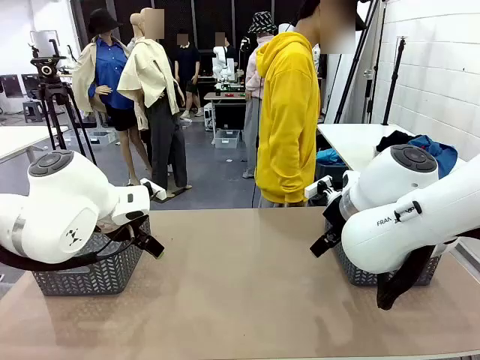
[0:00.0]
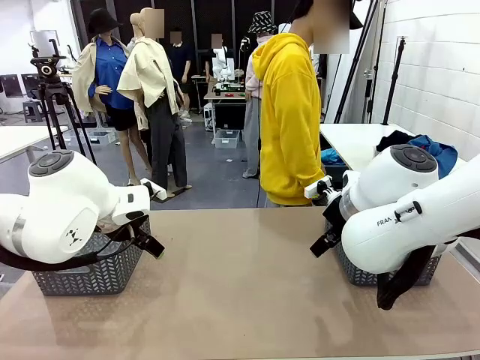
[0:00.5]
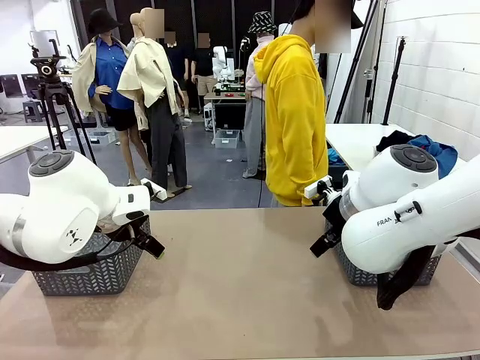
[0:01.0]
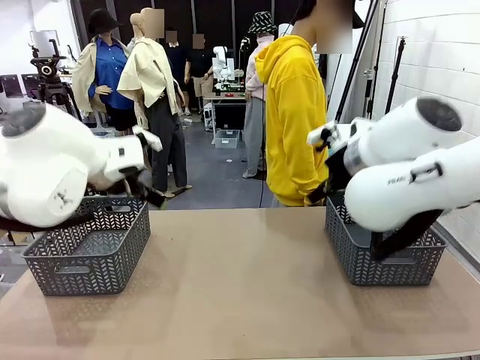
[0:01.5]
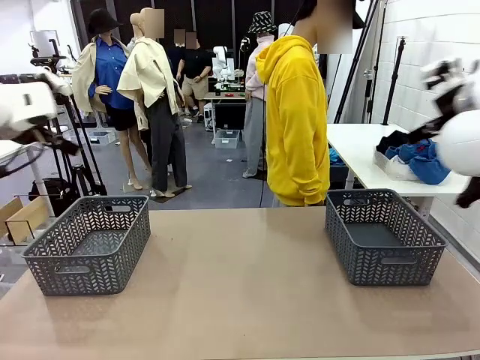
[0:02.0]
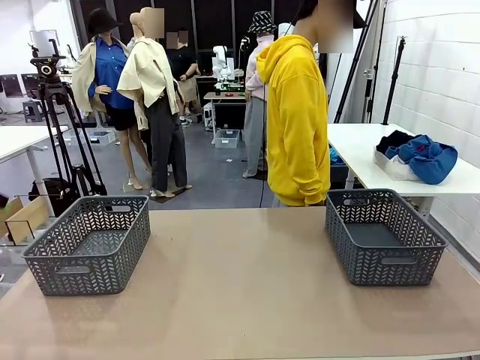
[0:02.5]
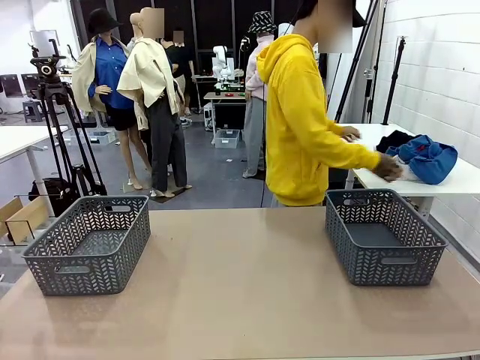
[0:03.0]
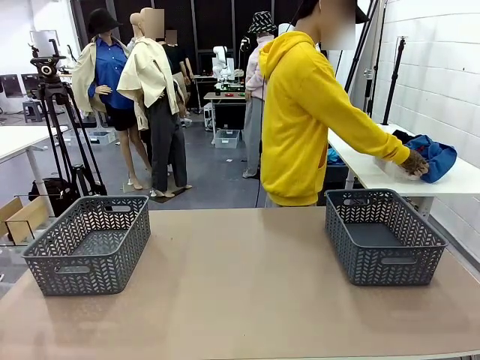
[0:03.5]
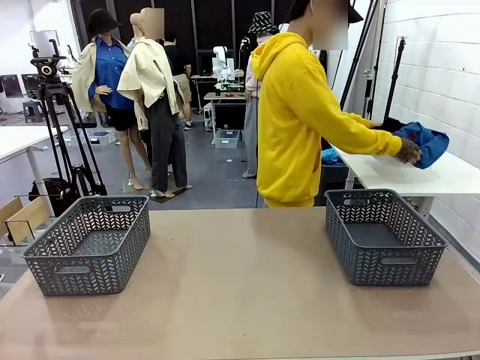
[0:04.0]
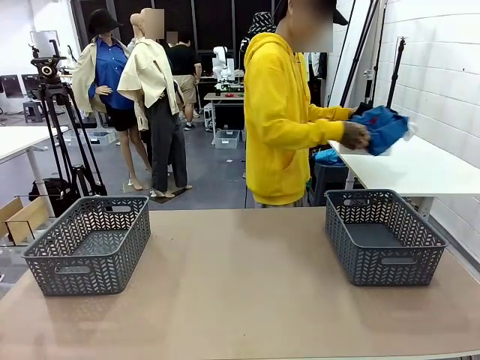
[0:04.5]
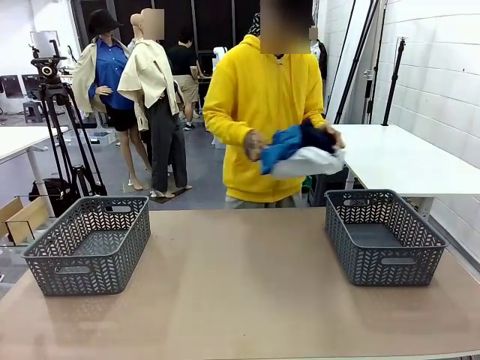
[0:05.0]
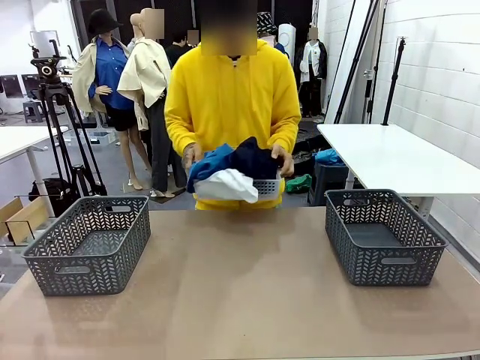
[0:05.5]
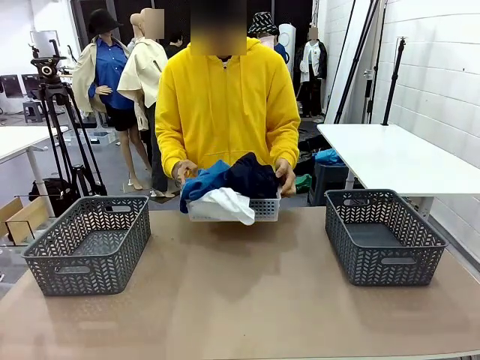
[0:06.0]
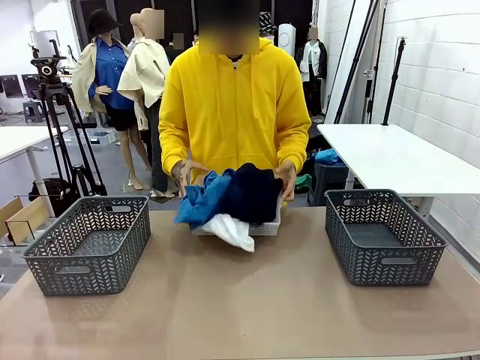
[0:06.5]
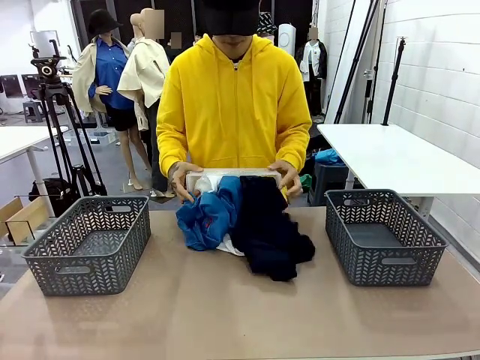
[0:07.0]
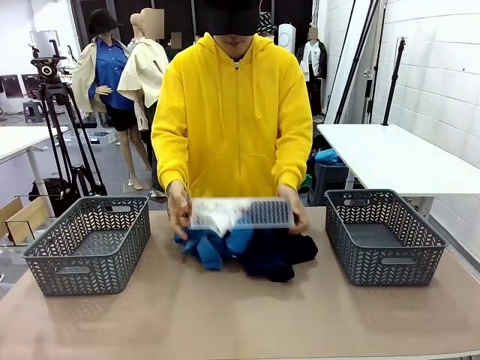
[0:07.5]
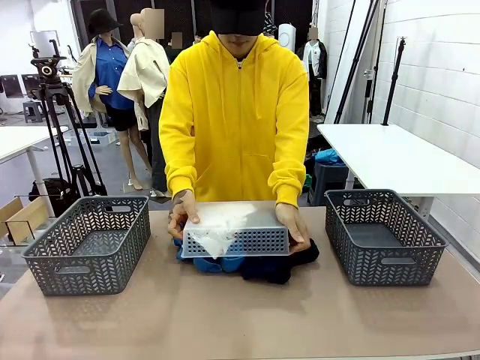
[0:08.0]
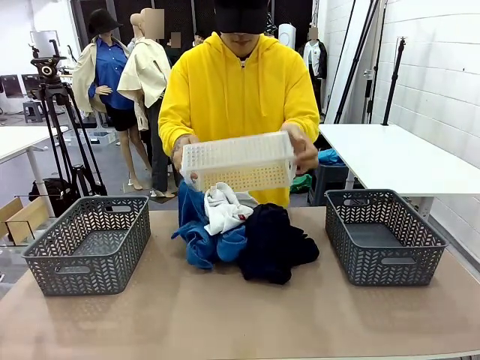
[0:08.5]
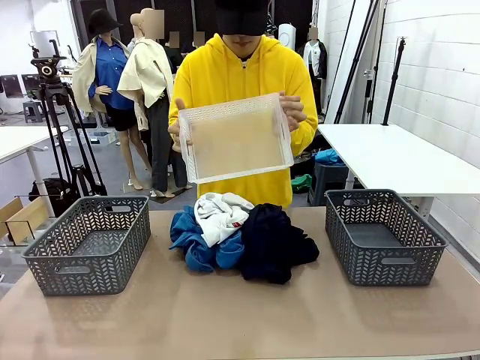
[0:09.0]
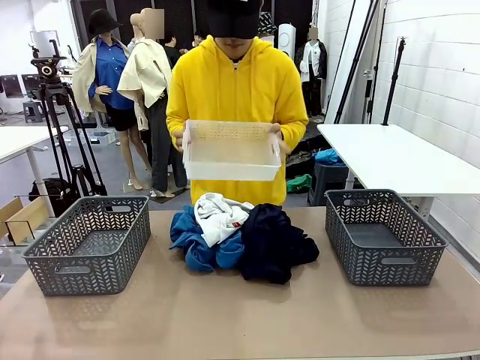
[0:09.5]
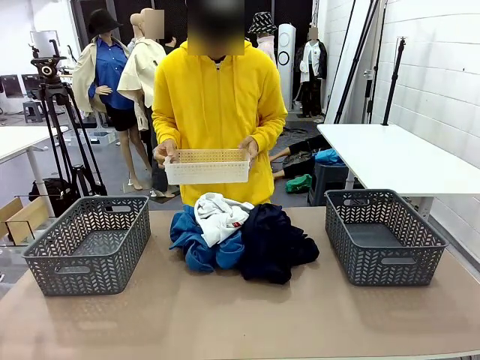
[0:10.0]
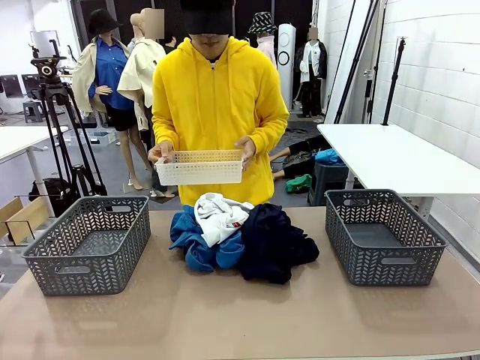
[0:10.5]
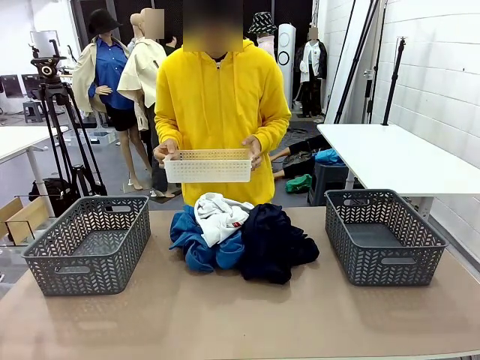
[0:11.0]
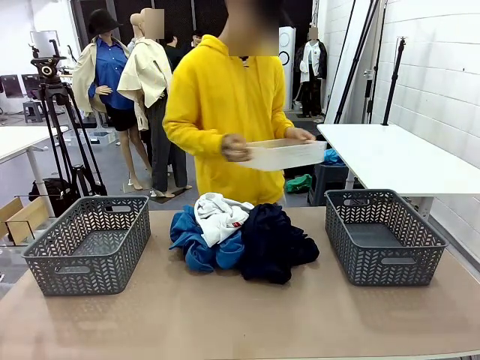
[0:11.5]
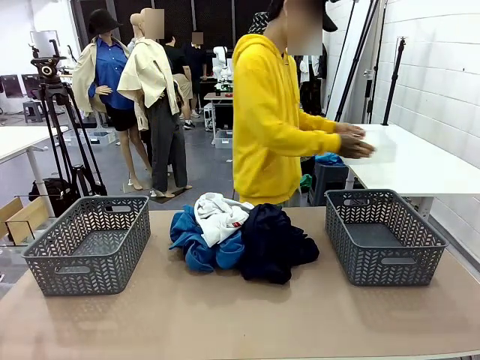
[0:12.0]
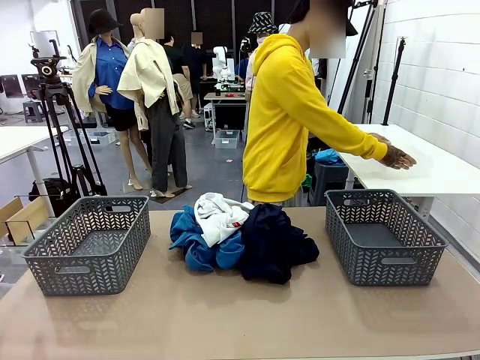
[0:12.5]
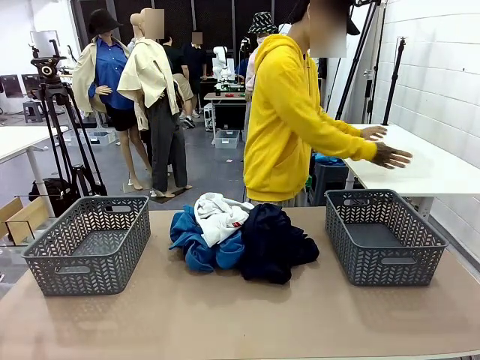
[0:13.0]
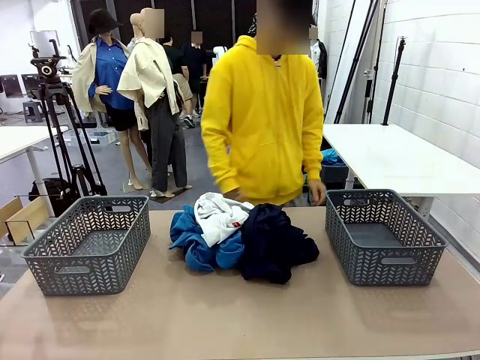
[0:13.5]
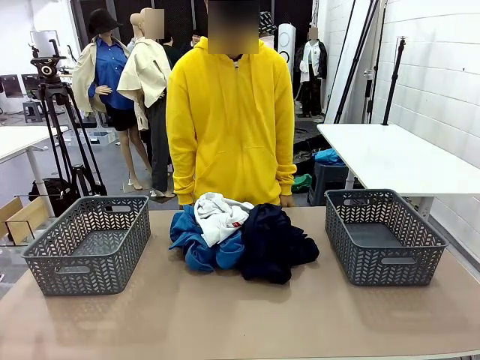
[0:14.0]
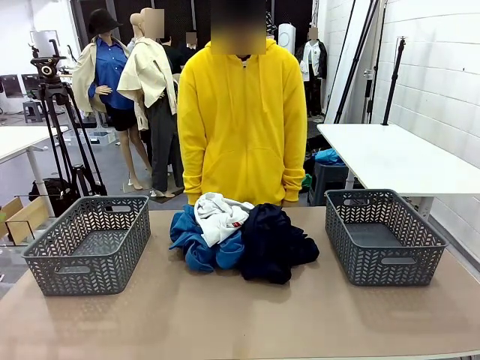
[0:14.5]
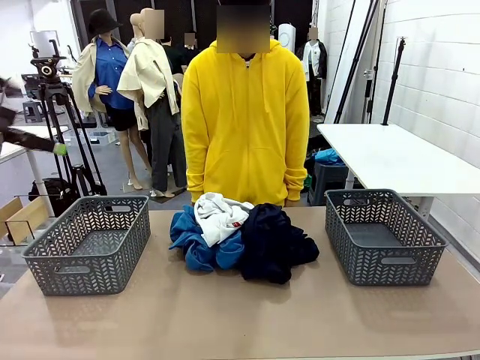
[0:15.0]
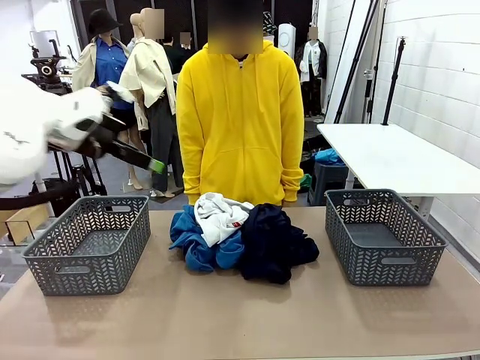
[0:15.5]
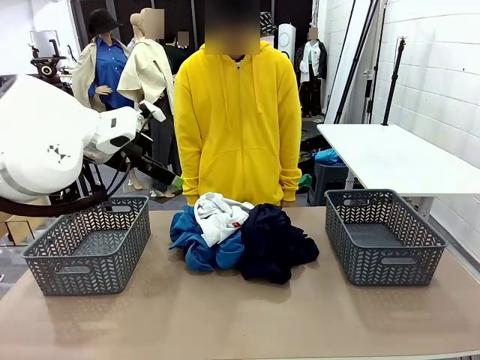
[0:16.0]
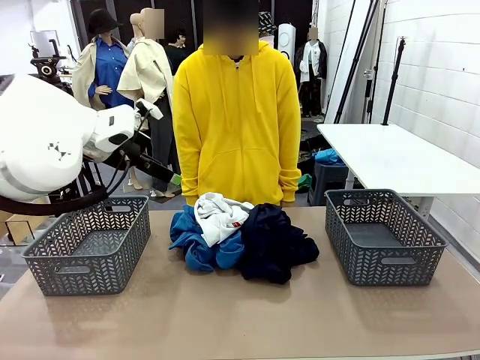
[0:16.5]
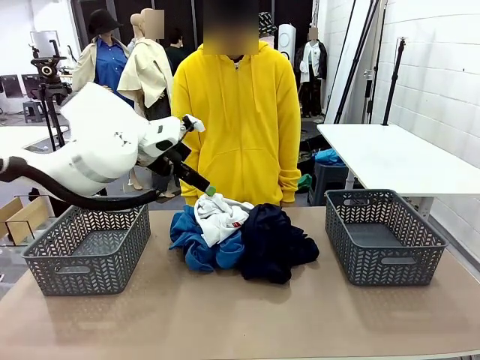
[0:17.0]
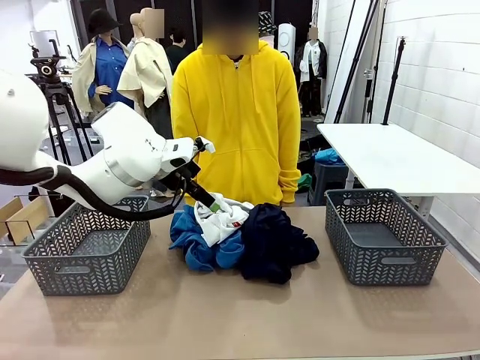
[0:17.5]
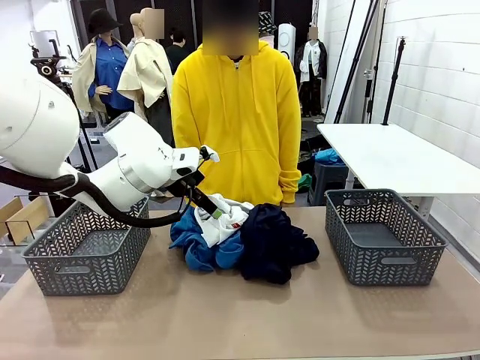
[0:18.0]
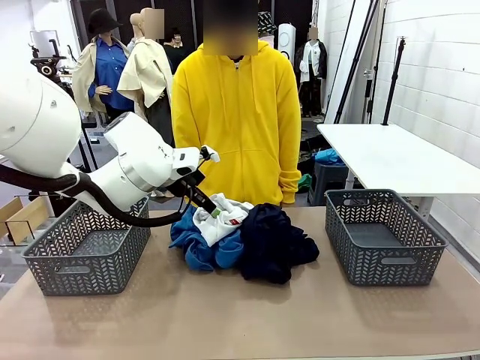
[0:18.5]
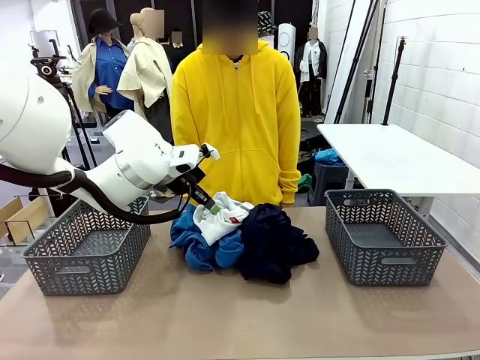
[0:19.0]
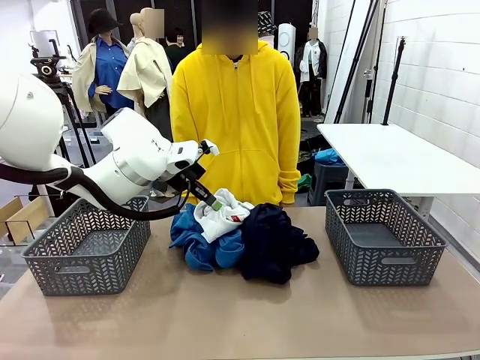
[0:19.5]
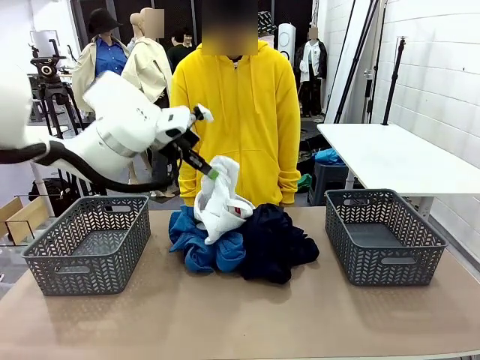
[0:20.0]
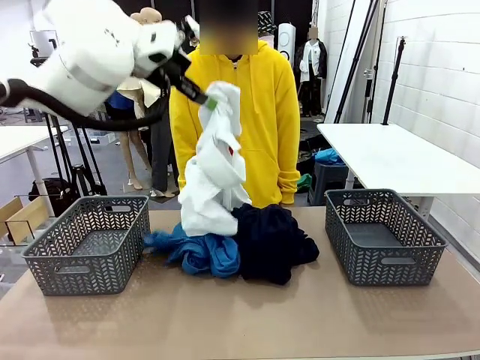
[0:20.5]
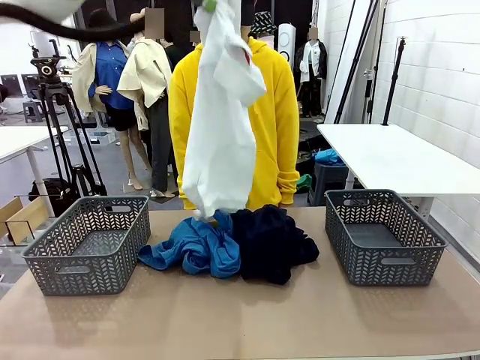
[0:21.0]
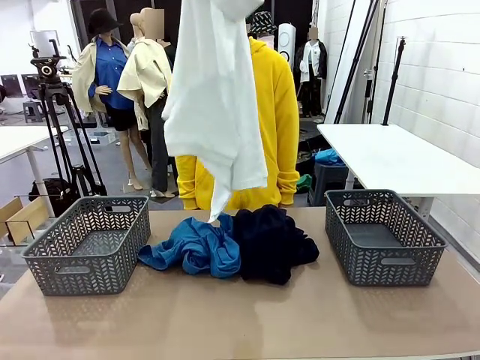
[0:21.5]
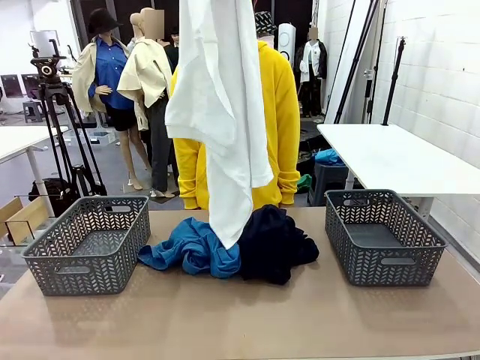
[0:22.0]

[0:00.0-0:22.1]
Task: Sort the tops and bottoms.
Robot: Lift clothes from the center of the table with your left hand.
Person: Pour the clothes from the basket onto the center of the robot table.
